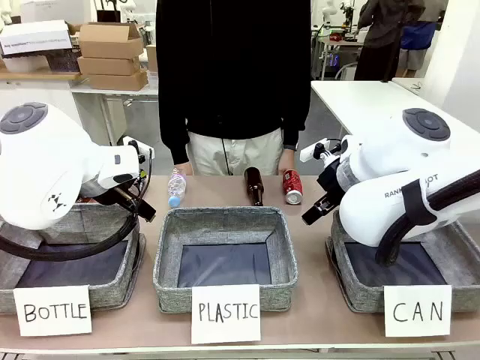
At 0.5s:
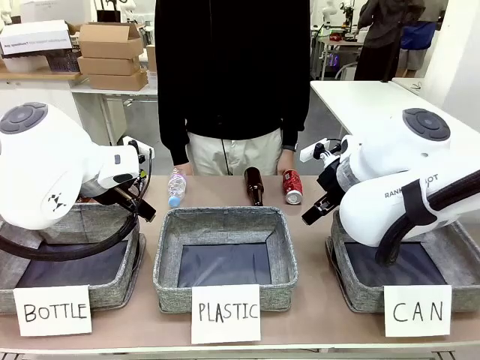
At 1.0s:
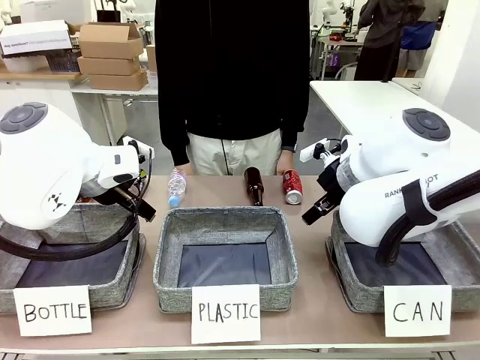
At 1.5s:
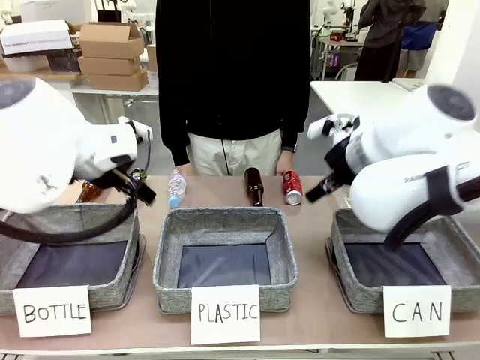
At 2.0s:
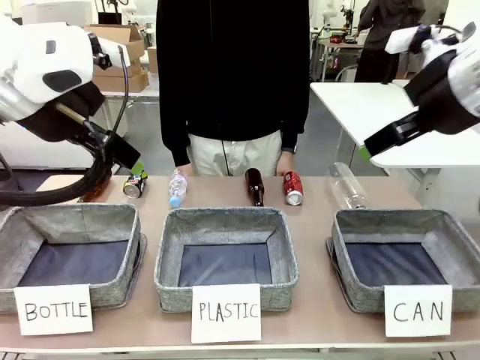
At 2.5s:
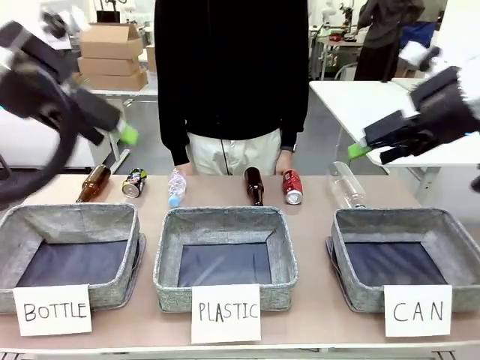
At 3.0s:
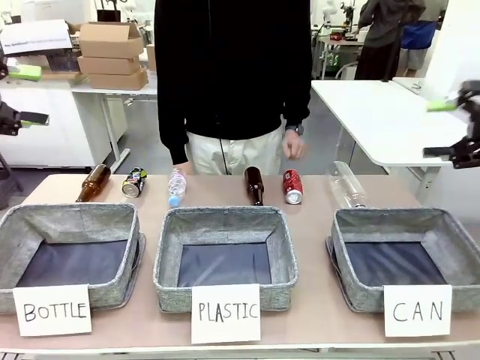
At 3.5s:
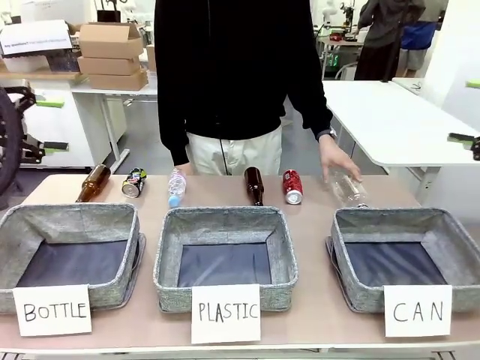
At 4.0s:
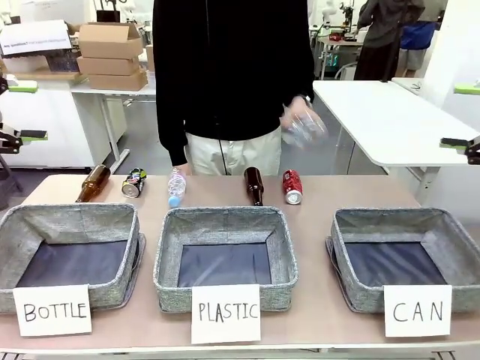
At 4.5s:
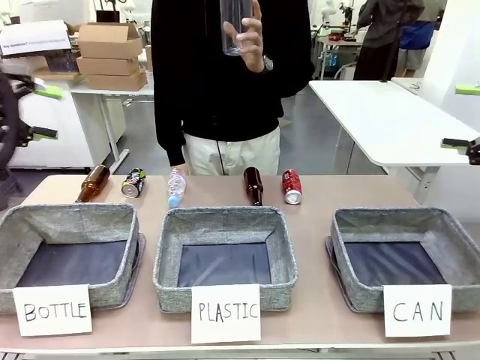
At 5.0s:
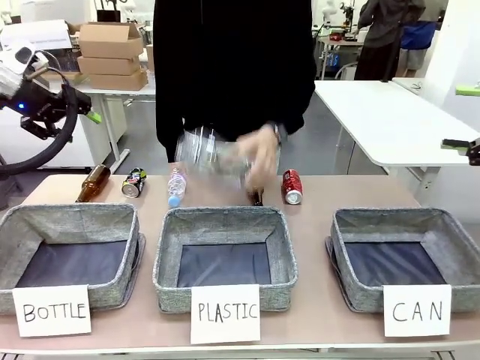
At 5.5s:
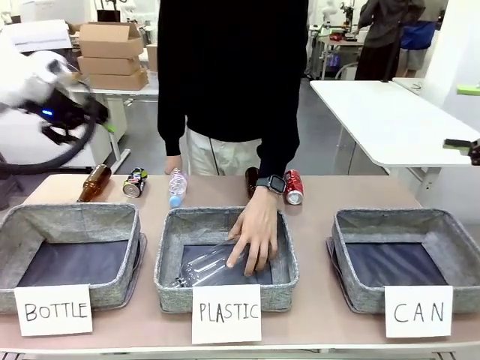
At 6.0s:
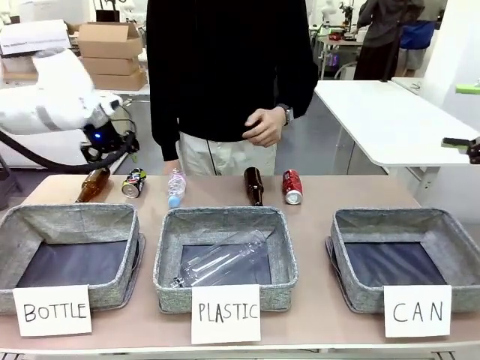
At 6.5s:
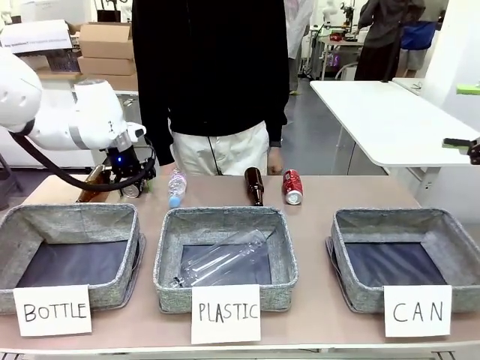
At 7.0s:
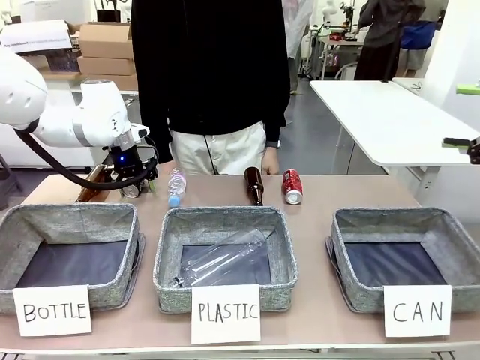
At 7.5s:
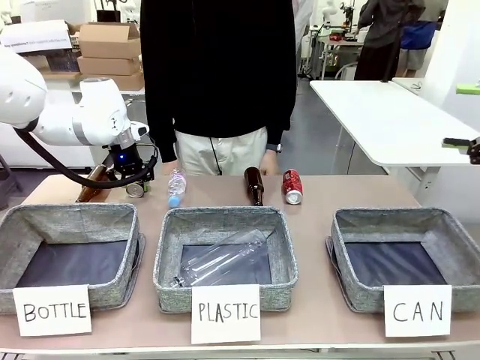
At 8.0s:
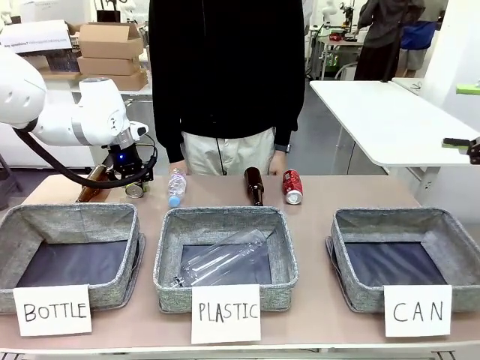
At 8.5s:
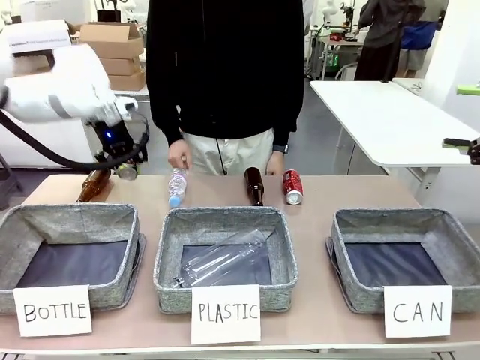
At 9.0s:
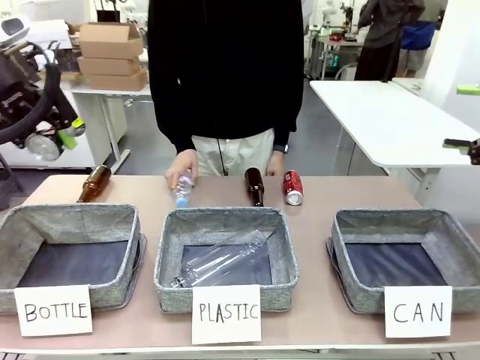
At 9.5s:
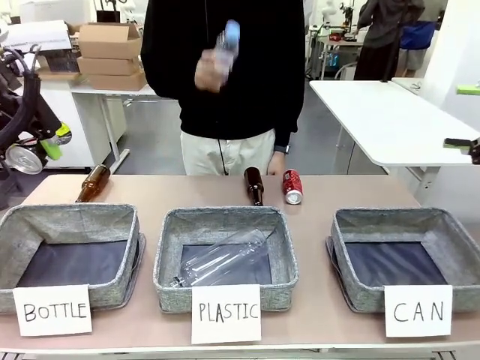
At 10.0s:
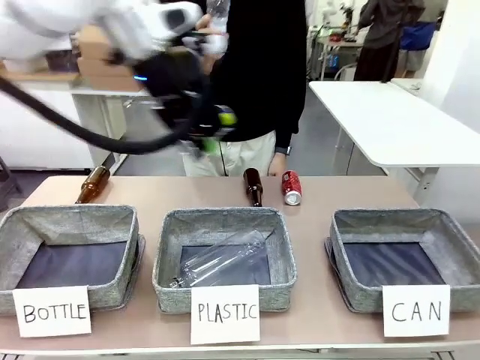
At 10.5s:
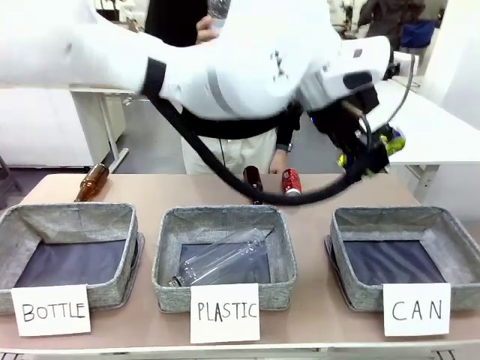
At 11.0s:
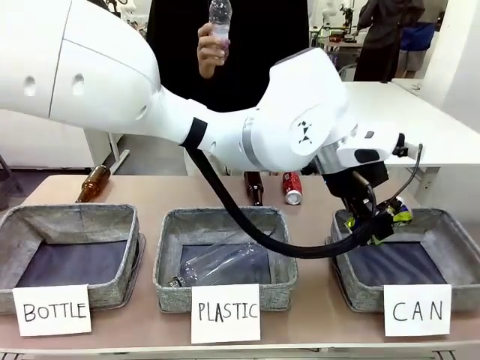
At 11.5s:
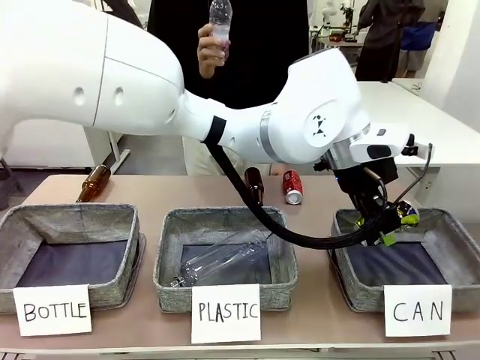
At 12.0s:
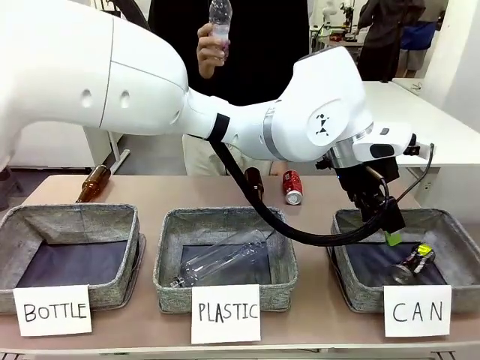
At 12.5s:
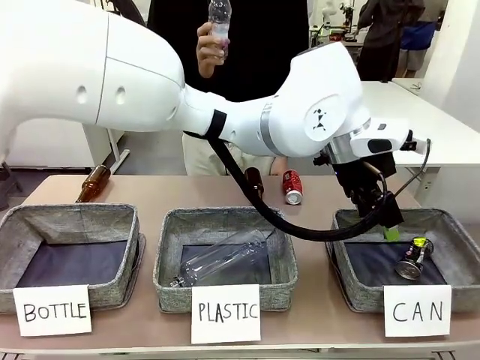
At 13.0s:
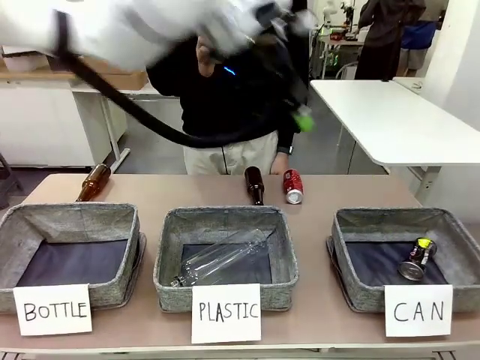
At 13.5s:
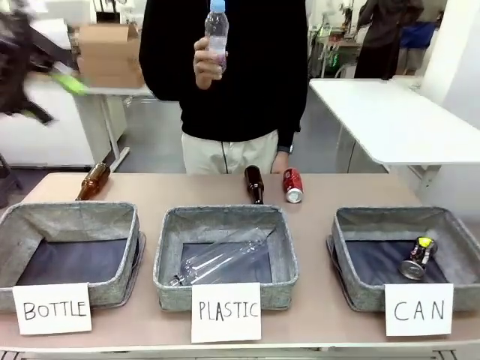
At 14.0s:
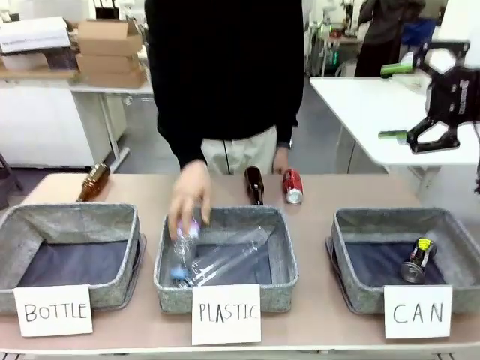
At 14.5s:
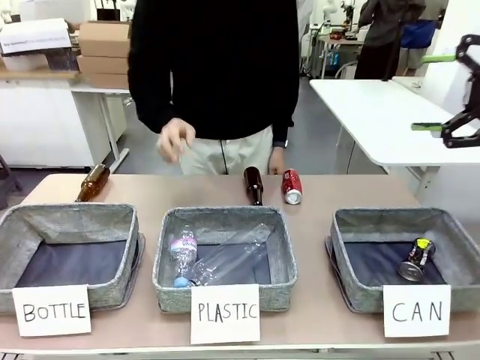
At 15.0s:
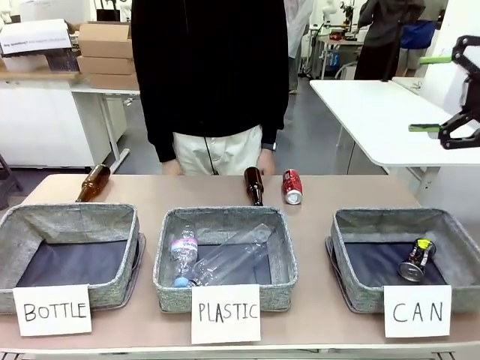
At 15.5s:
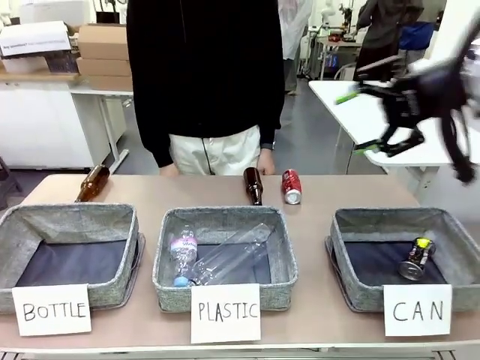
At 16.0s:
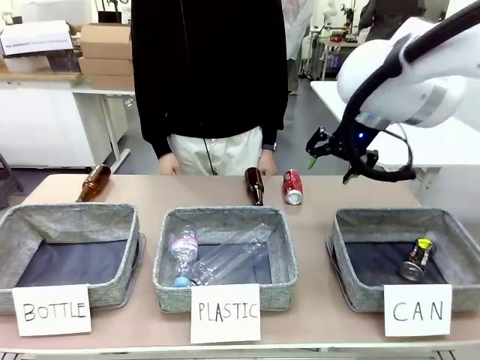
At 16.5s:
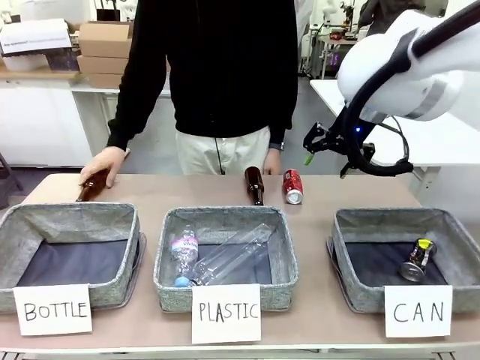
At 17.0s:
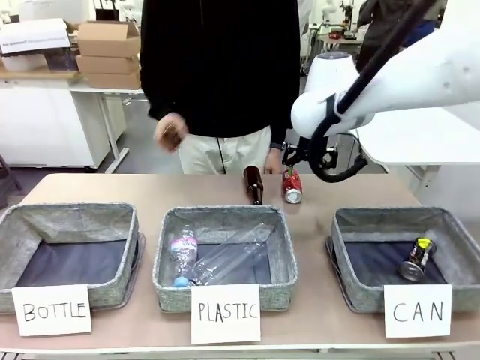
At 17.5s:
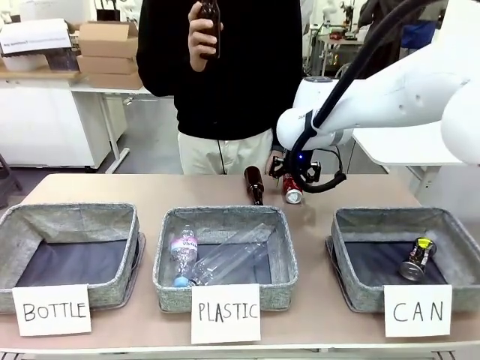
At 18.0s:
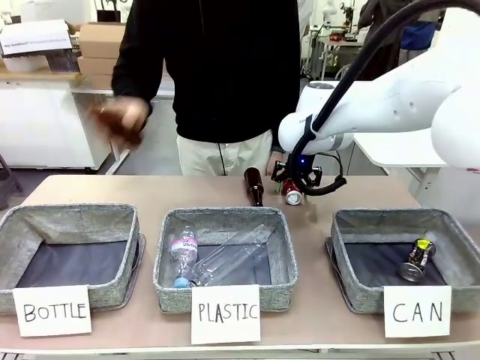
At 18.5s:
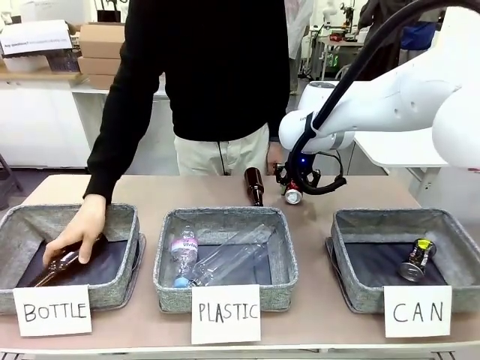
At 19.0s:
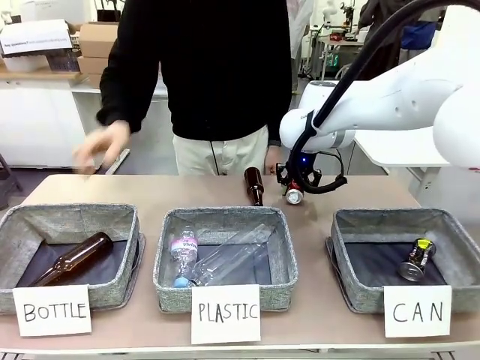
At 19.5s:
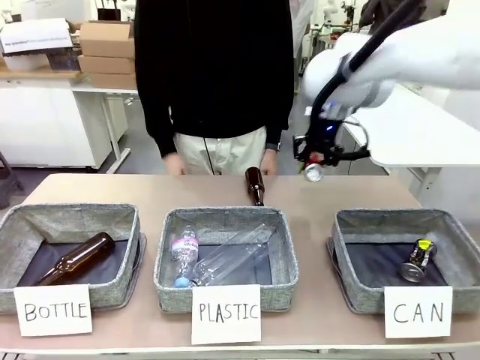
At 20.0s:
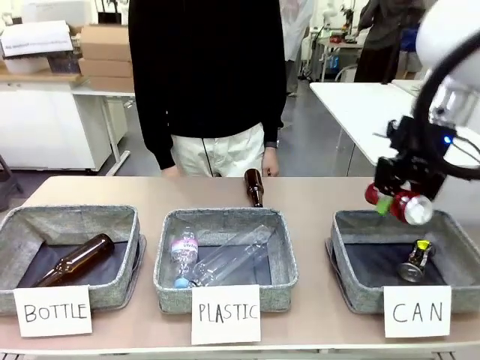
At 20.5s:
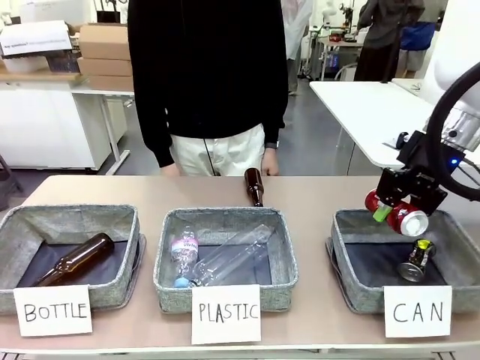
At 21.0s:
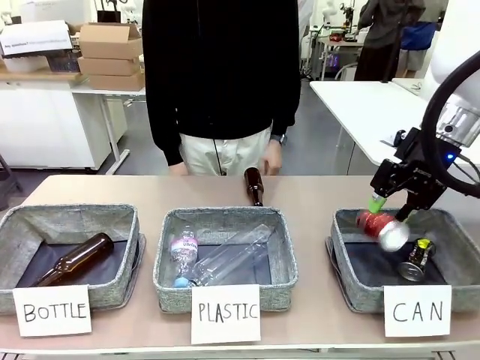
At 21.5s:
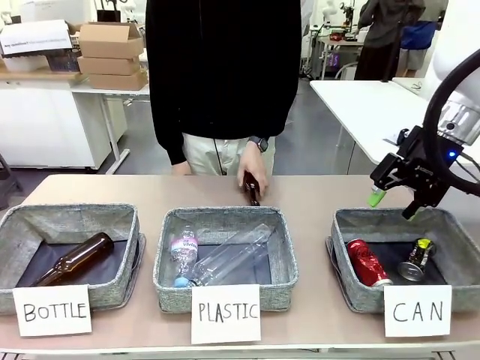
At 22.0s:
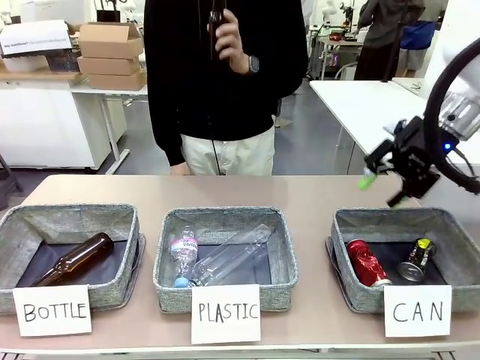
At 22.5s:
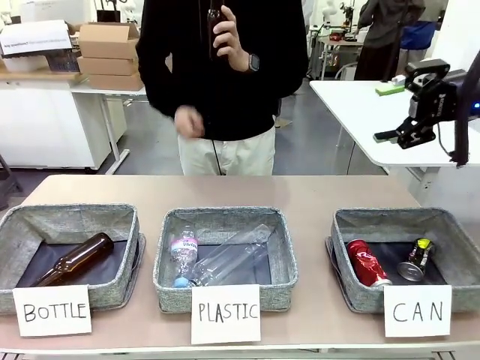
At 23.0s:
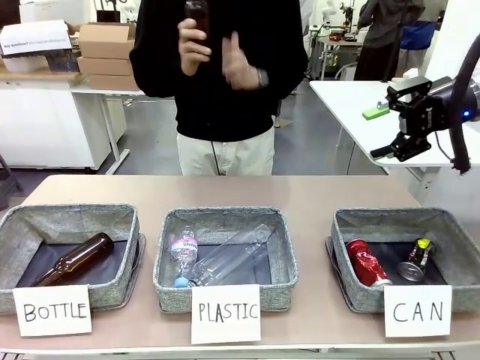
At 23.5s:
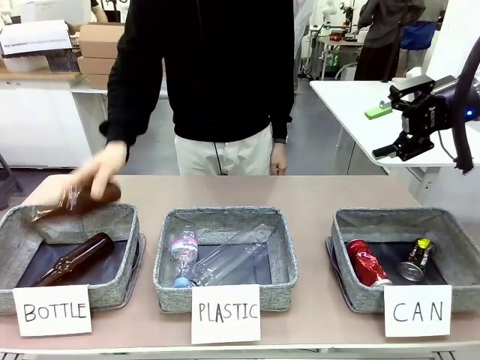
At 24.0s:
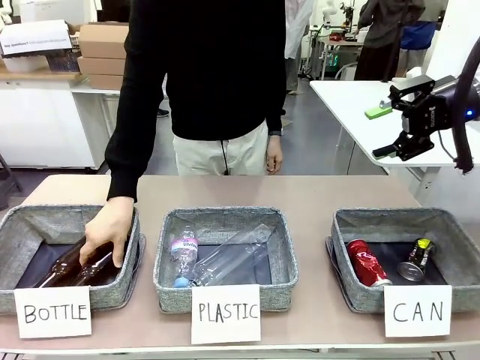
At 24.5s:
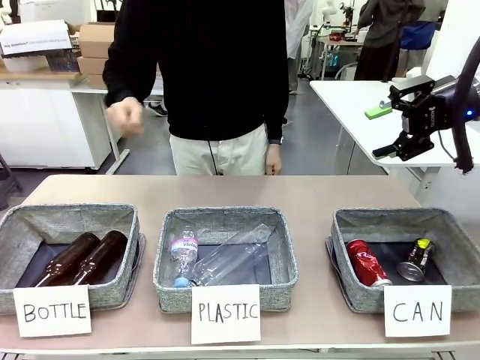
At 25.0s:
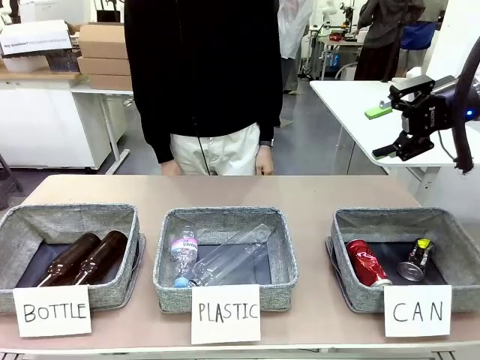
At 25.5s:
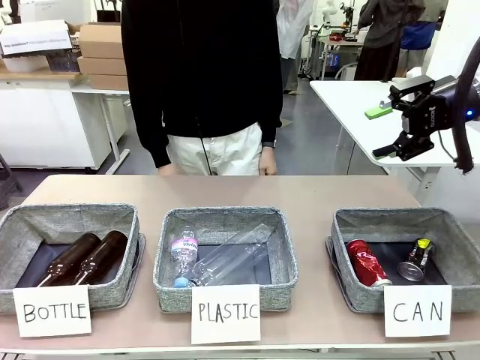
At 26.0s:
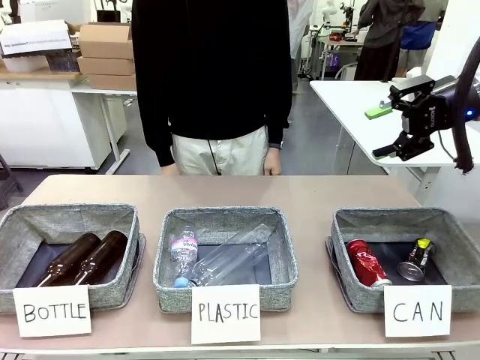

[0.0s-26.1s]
Task: Sort the can waste into the basket.
Robot: Pick up the can waste from the table and place it in the right Fabric basket.
Person: The human picks up one piece of trash that is not a can and places the trash into the appropriate organizing basket.
